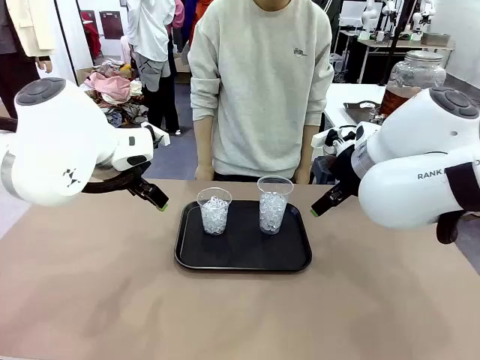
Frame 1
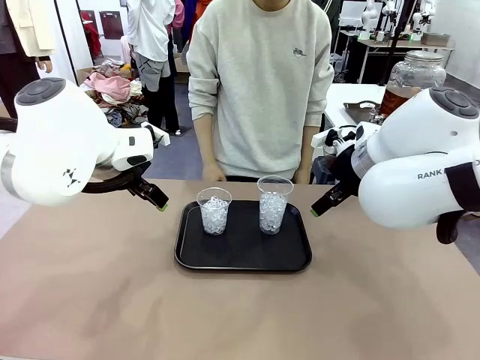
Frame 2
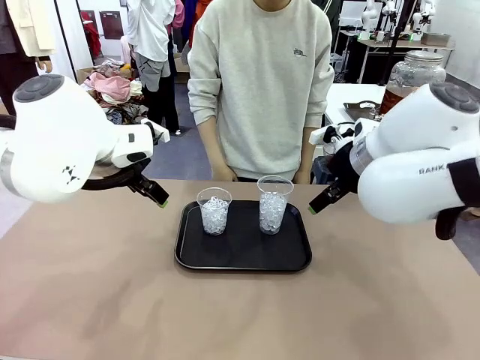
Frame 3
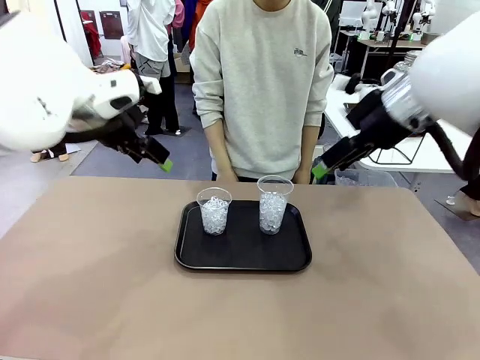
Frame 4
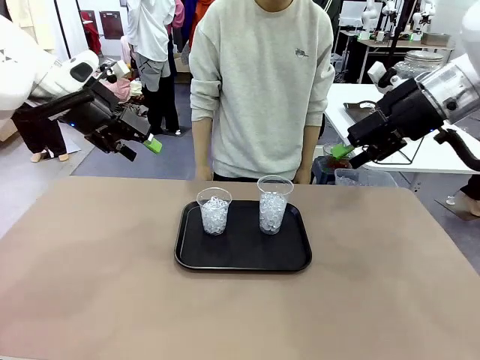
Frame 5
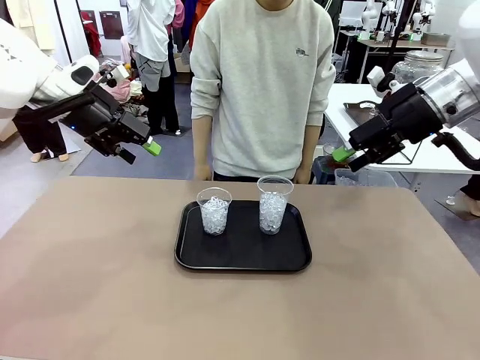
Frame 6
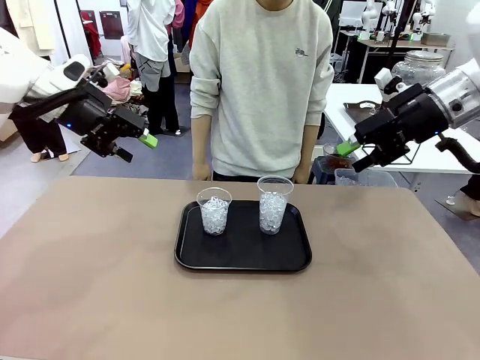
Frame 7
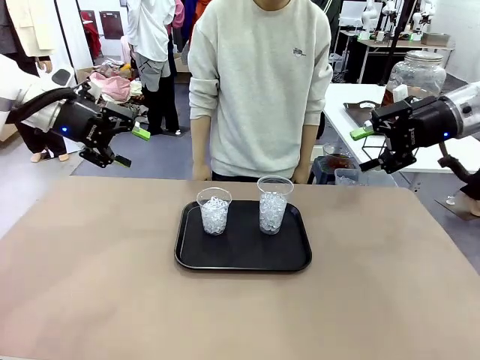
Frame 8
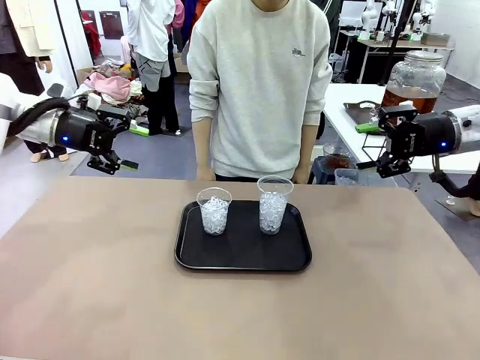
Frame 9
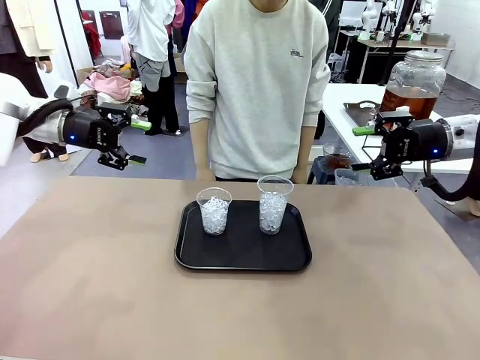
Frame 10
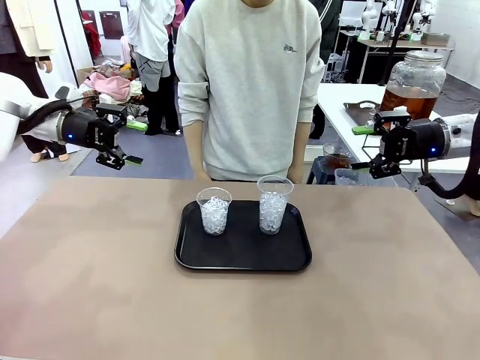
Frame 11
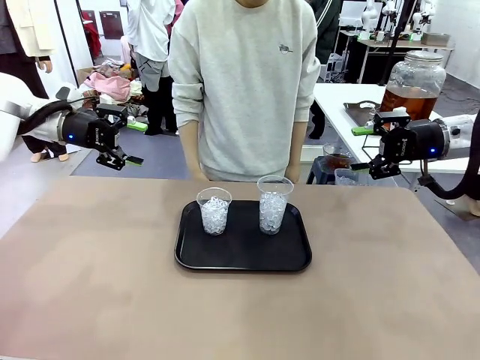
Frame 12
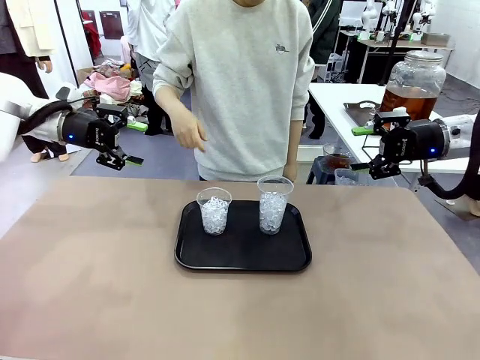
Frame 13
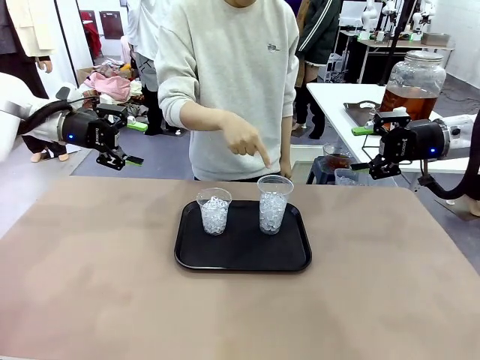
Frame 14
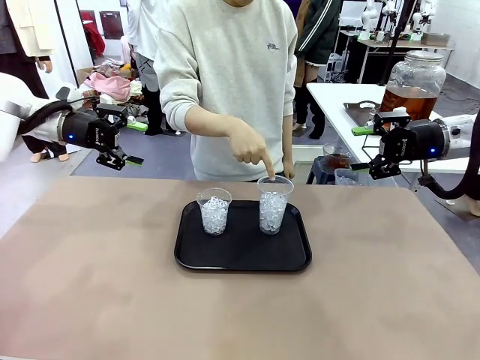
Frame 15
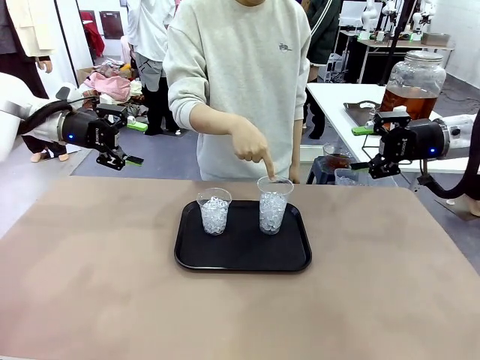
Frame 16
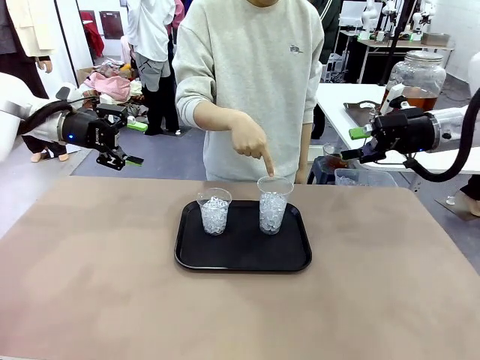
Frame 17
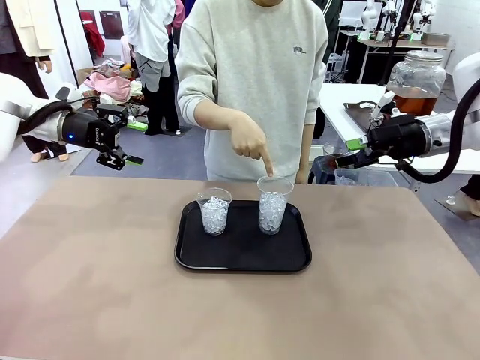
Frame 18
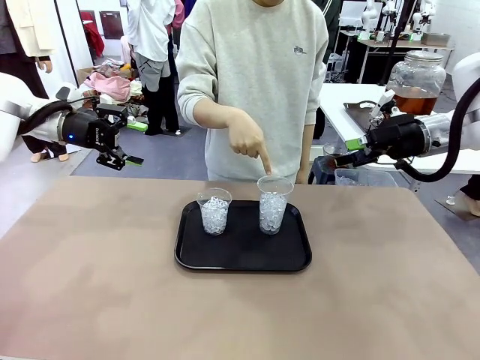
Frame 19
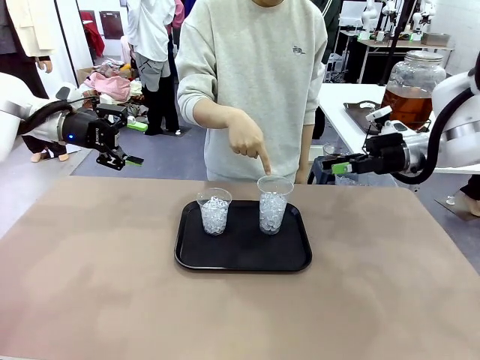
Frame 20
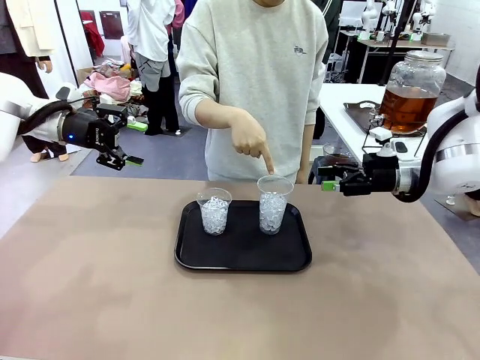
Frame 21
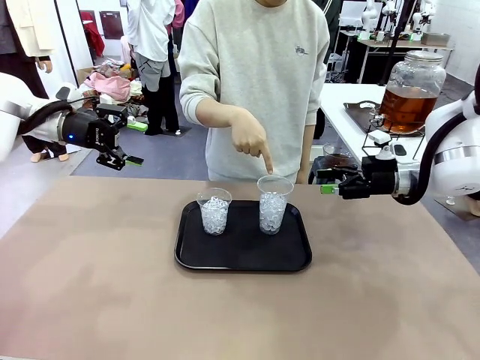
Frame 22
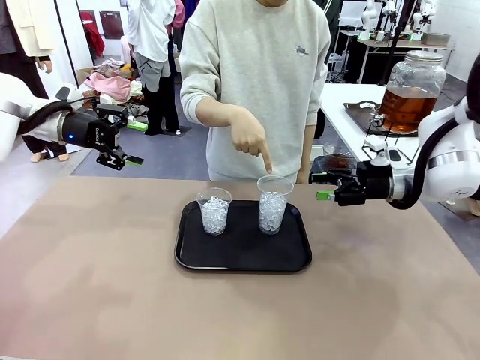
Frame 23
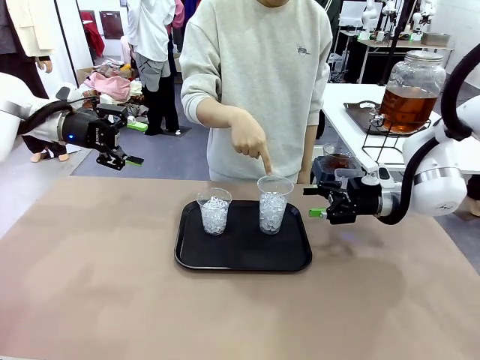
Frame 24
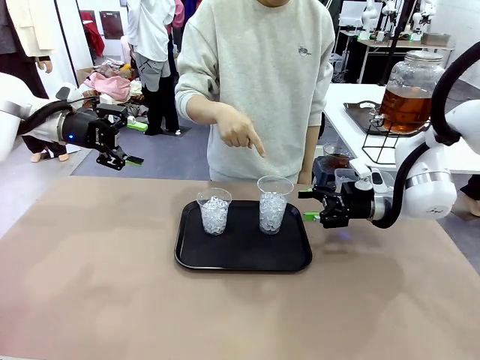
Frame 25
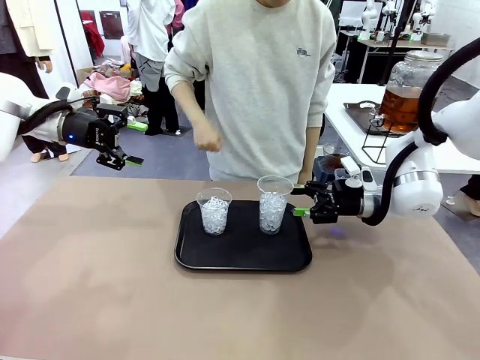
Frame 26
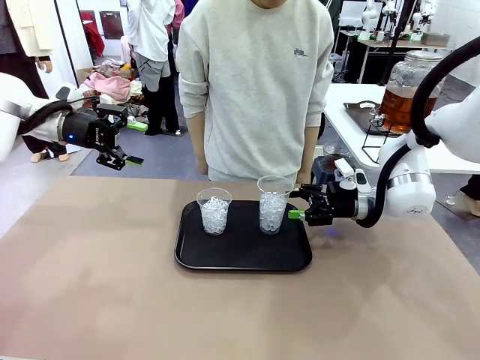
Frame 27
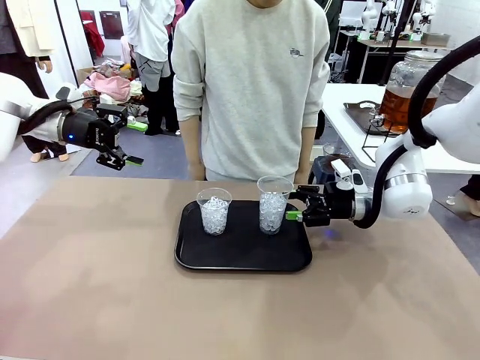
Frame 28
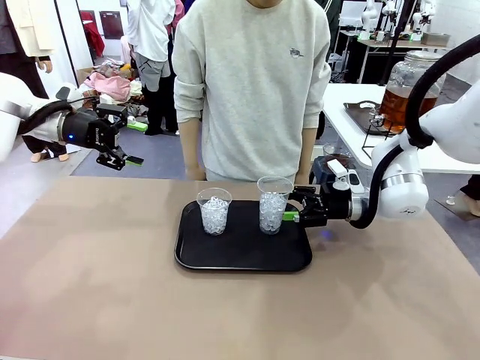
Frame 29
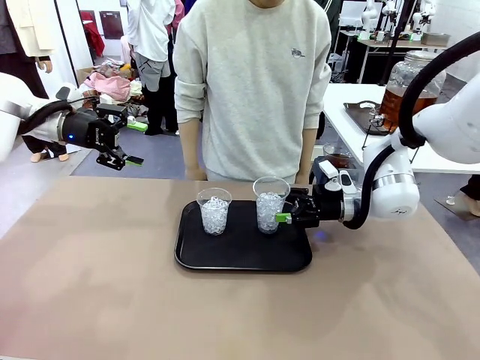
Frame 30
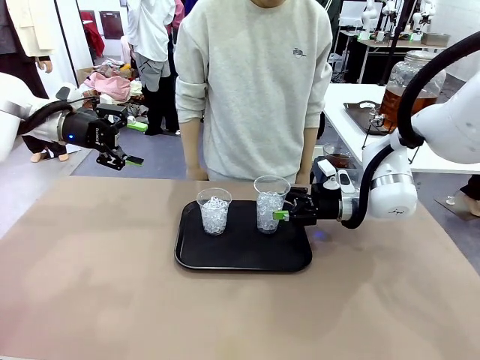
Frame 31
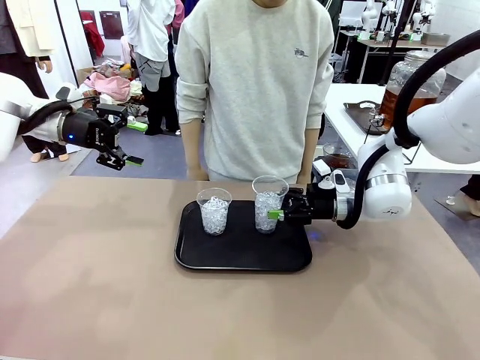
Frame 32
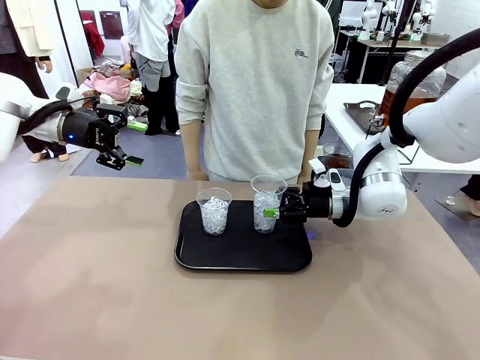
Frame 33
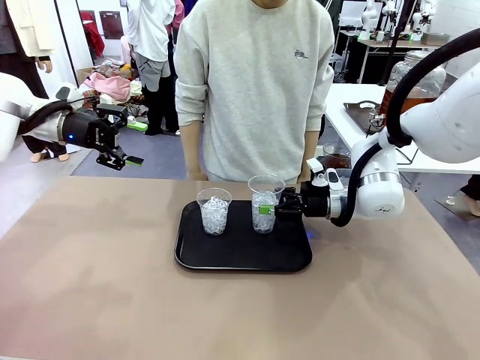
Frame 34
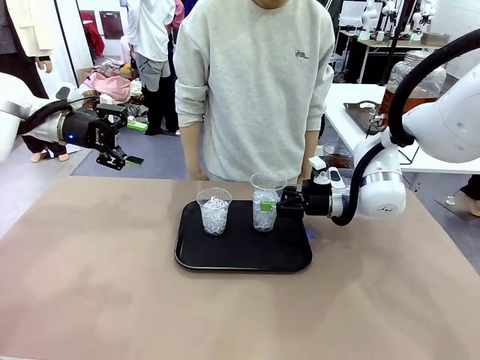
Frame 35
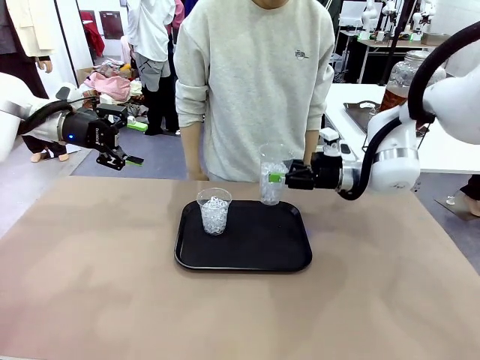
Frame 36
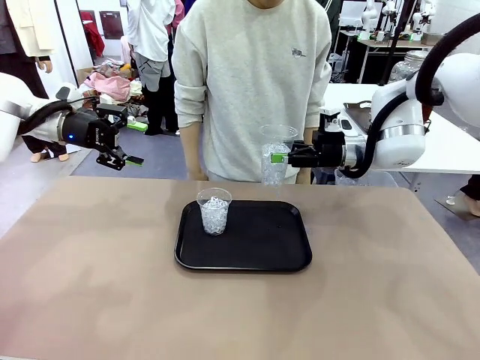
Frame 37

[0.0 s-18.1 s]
Task: Pour the drink into the iced cup.
Robot: Pick up the iced cup indicated by the human and present it to them.
Person: Point to one of the two ice cups. Pick up the cup offered by the robot.

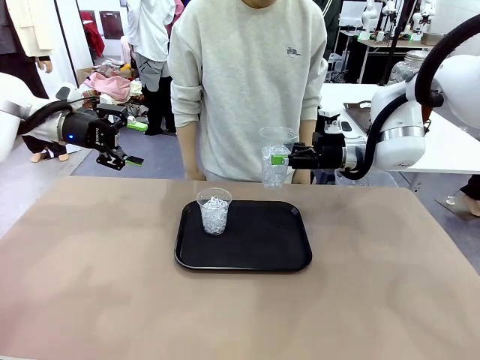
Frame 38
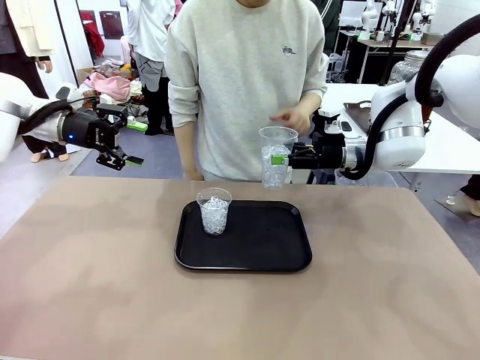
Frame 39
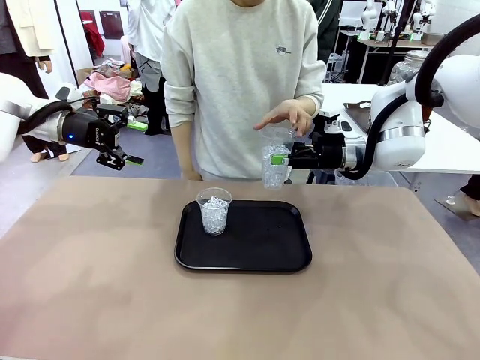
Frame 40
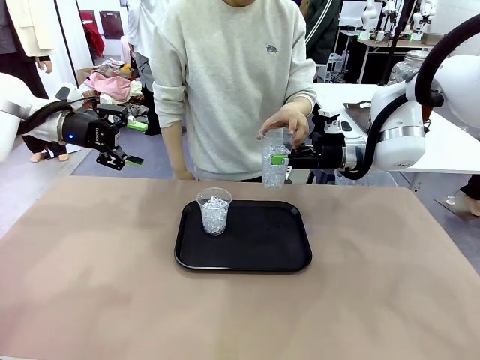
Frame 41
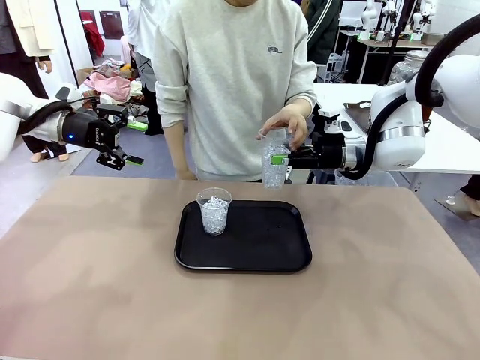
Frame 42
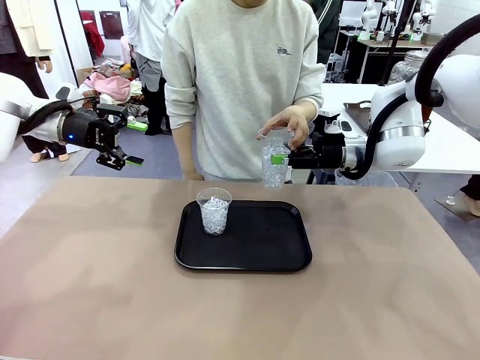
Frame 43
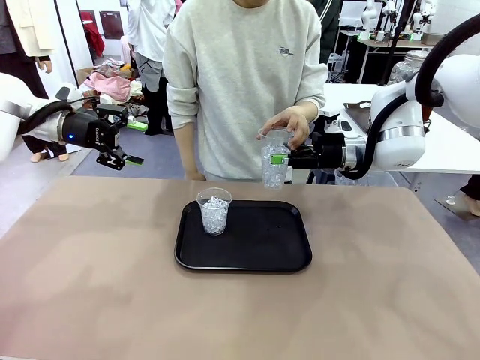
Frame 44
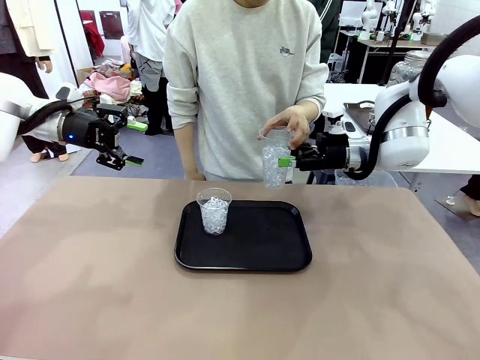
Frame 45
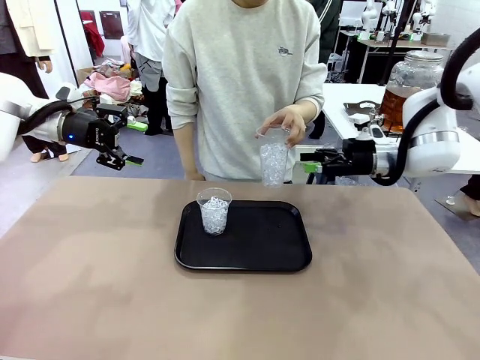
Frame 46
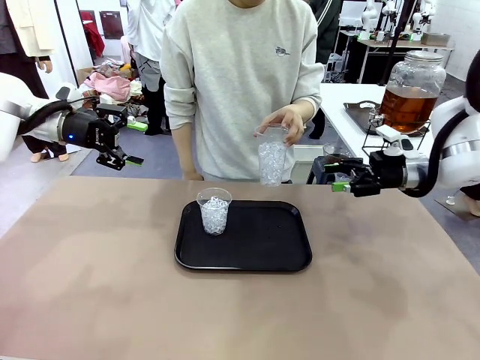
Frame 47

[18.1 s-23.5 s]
Robot: Open the gripper to release the iced cup you were holding.
